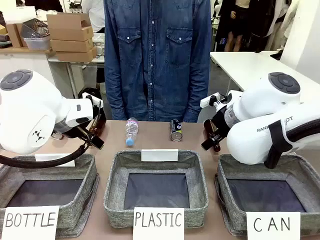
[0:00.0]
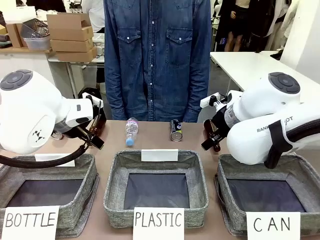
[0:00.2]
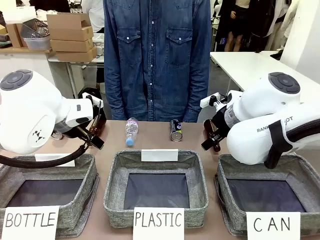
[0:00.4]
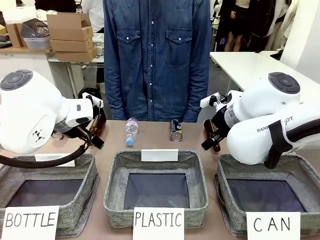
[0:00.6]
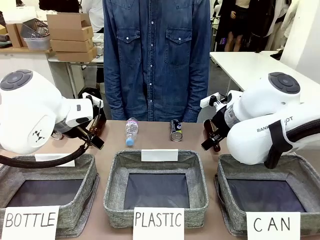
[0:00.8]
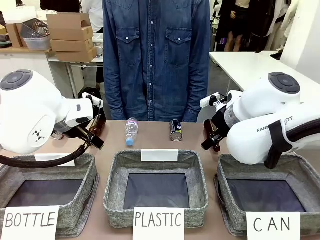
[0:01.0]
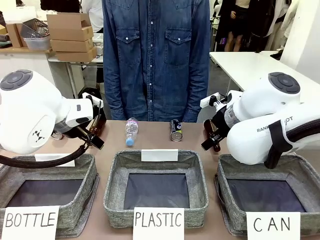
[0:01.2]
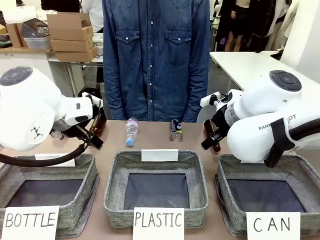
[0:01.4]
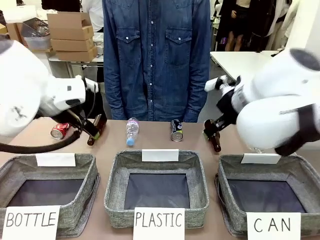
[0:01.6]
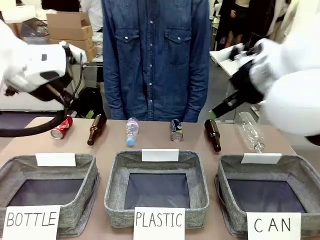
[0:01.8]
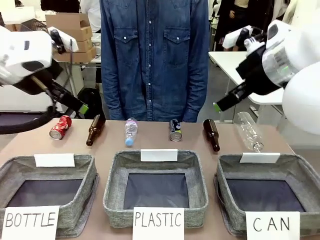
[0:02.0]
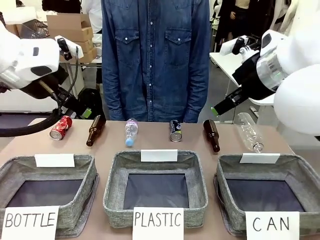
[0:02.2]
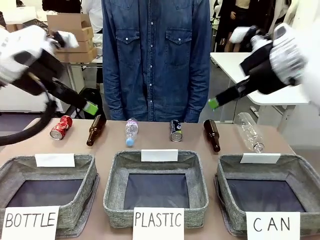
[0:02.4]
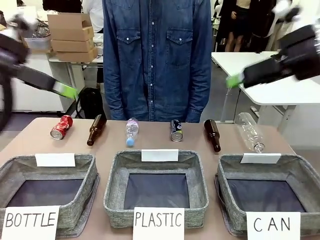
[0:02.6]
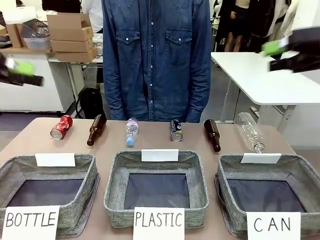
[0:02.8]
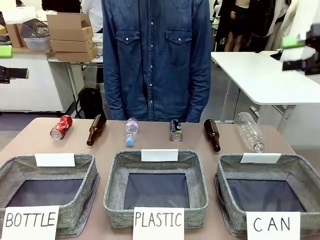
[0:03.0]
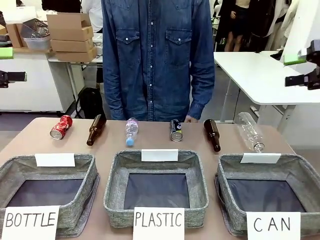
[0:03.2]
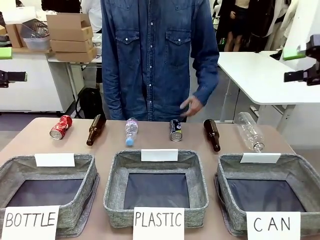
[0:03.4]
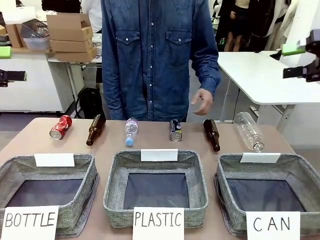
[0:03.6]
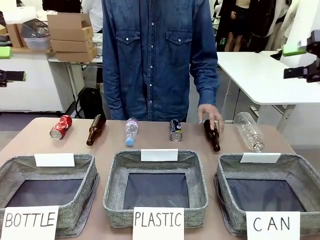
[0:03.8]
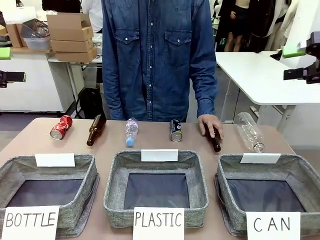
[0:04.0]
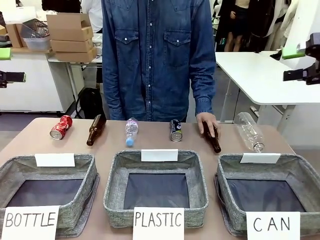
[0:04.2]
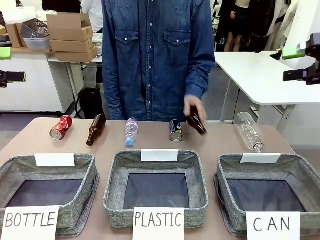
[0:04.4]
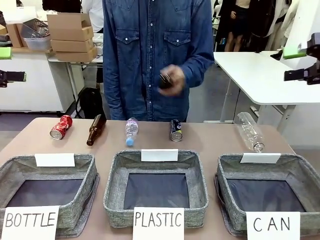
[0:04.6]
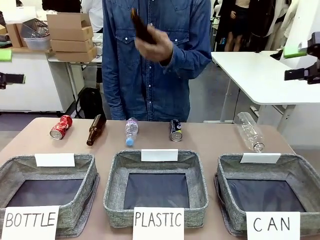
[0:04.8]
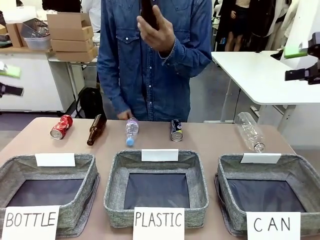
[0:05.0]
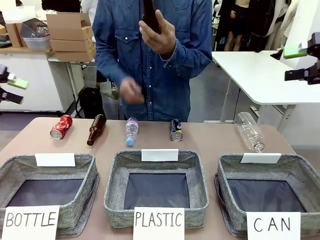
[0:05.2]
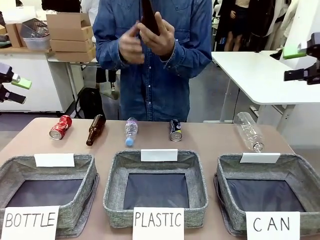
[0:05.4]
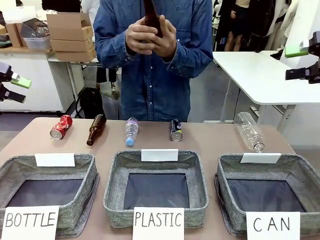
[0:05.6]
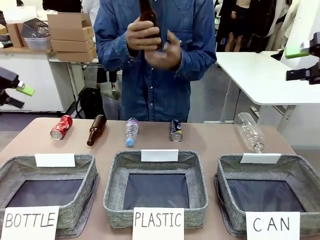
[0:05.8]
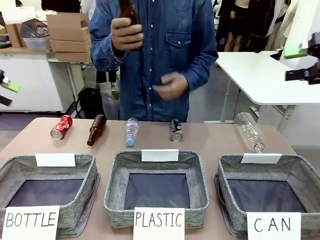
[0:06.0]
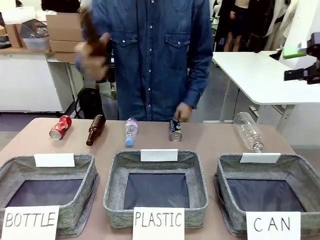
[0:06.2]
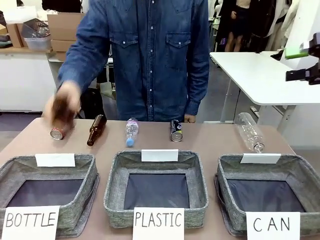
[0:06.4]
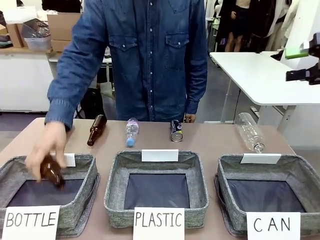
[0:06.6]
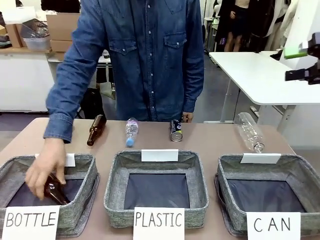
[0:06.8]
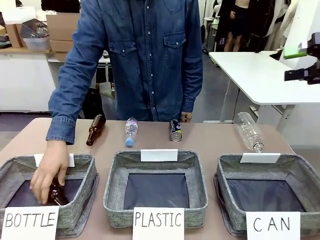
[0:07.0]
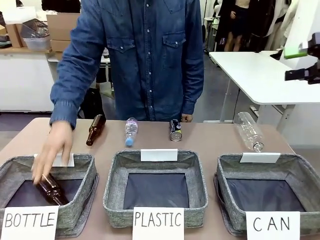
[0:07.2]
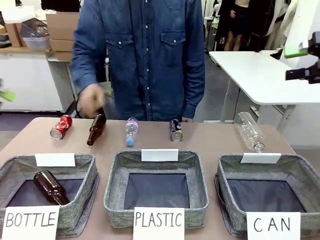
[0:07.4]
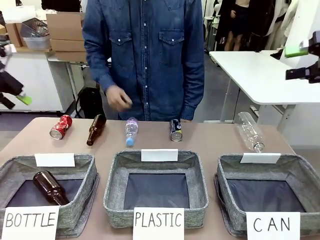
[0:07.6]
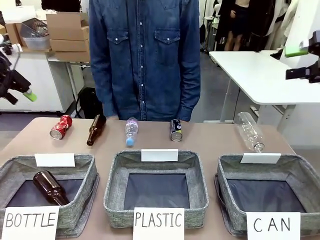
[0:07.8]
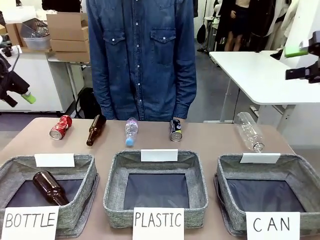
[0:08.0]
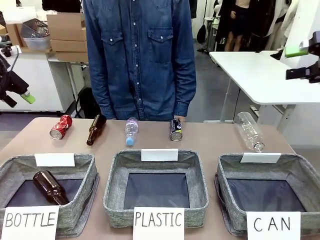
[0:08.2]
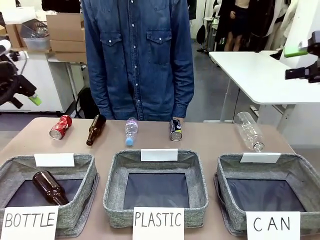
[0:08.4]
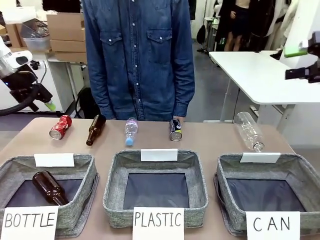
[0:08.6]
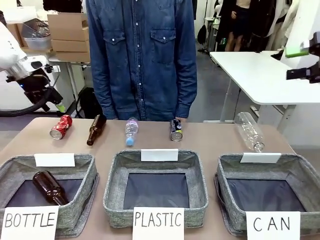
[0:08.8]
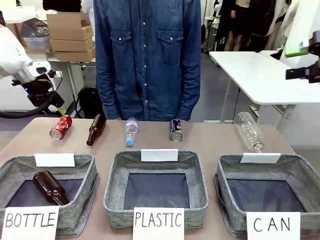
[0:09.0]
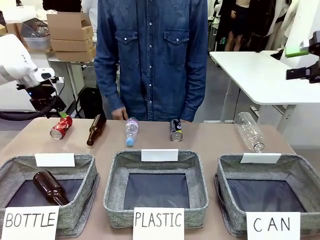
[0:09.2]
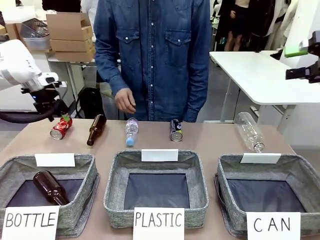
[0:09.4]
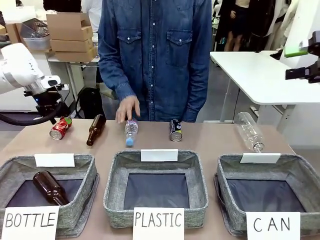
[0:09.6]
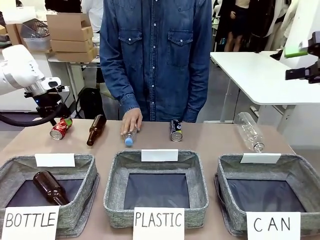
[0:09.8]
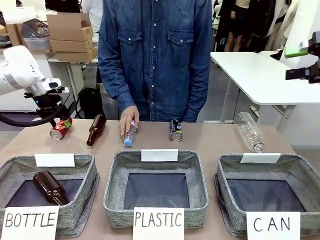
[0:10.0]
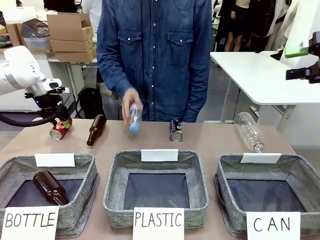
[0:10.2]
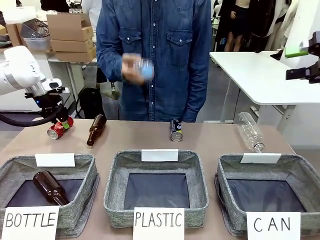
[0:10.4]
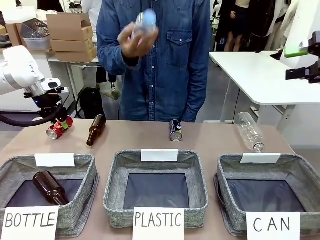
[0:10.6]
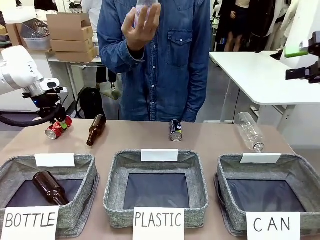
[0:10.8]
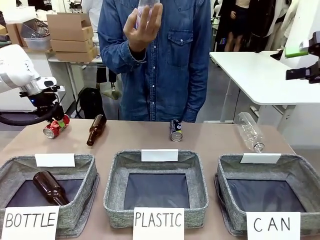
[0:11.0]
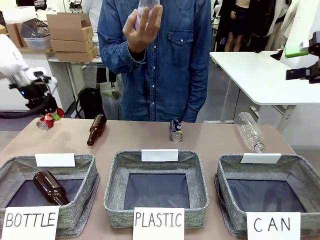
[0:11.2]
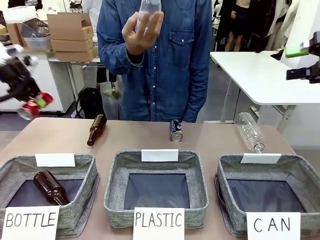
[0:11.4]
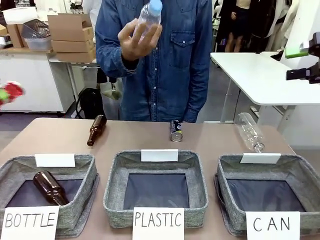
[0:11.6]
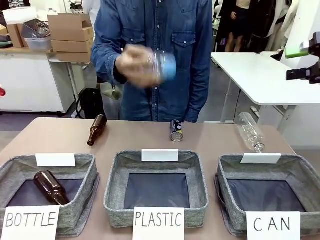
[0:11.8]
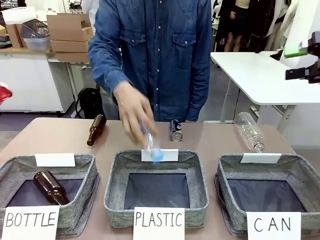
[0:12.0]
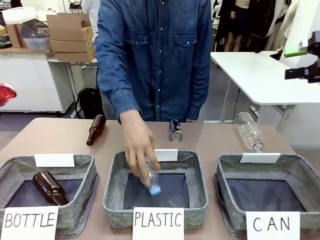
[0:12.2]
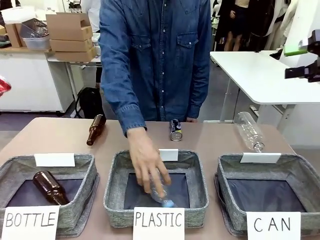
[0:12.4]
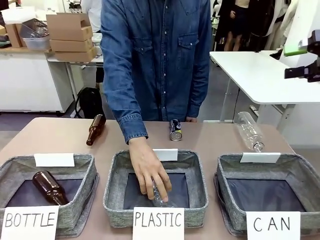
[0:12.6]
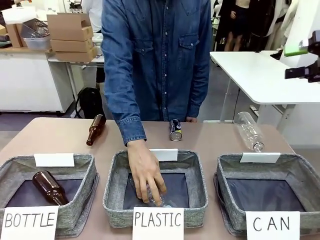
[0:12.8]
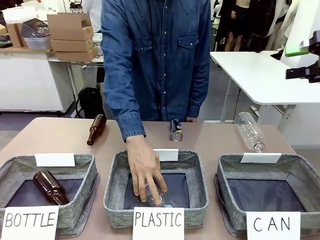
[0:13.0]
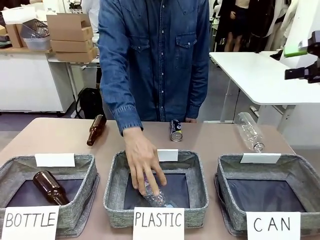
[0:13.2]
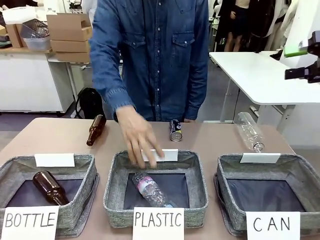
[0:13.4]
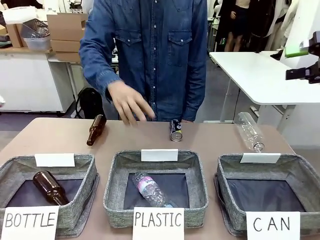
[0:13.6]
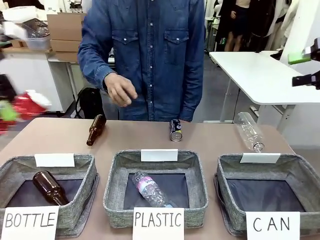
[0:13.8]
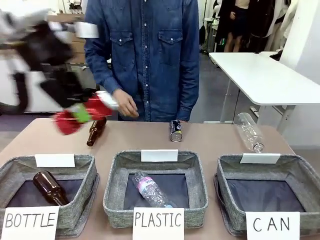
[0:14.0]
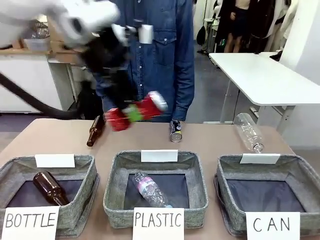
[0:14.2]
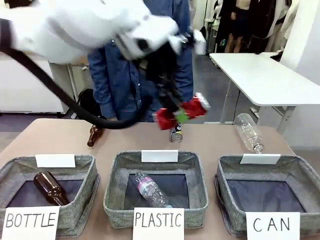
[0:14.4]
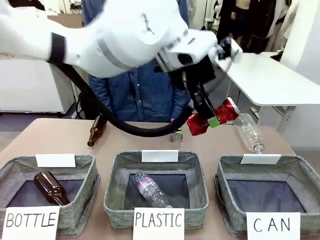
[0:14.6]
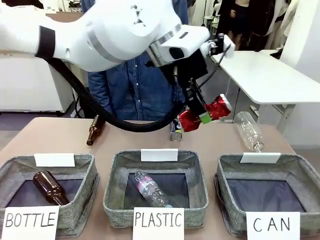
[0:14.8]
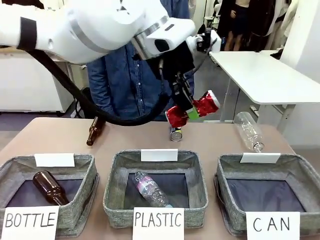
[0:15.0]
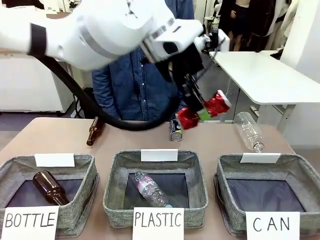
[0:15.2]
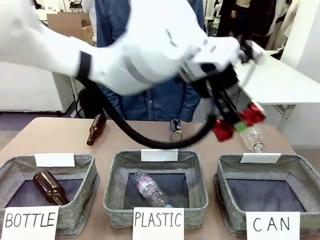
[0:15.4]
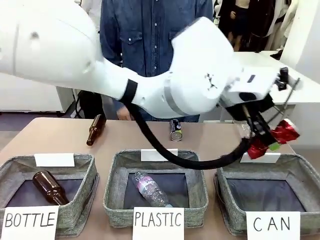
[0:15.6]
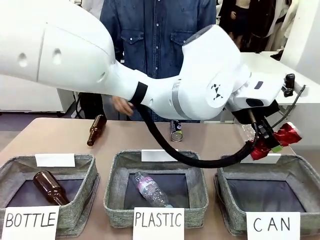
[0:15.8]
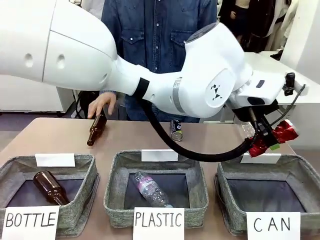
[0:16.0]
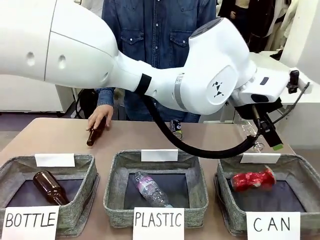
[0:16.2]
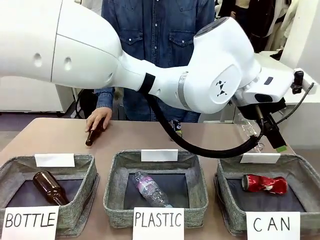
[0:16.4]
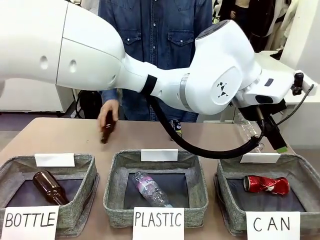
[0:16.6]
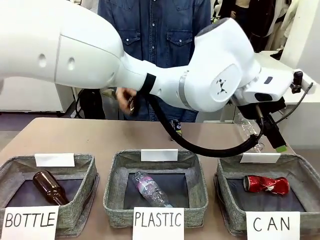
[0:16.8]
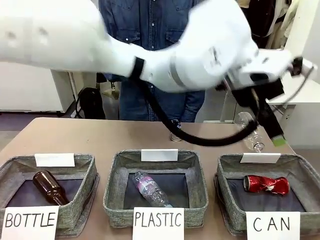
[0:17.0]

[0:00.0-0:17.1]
Task: Sort the can waste into the basket.
Robot: Pick up the can waste from the table and place it in the right Fabric basket.
